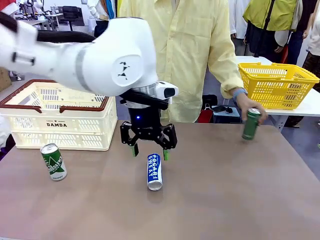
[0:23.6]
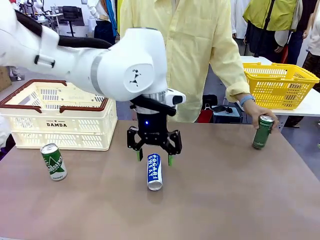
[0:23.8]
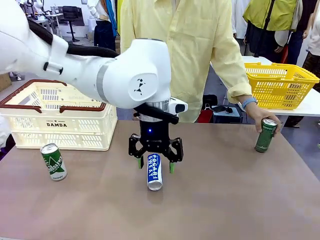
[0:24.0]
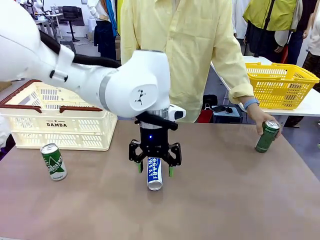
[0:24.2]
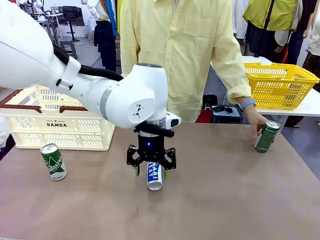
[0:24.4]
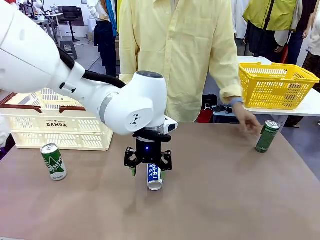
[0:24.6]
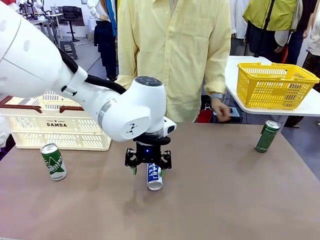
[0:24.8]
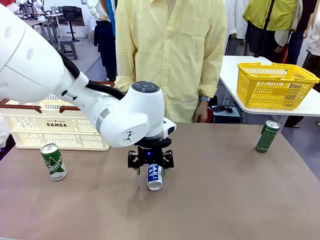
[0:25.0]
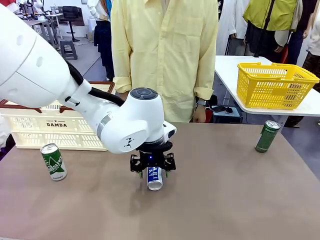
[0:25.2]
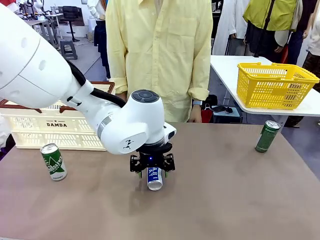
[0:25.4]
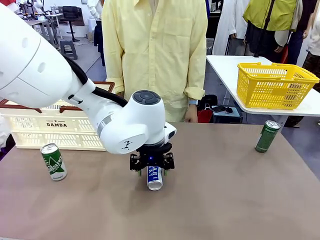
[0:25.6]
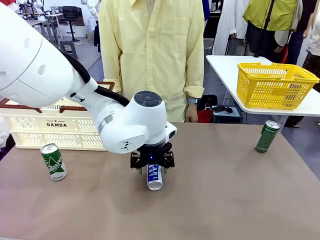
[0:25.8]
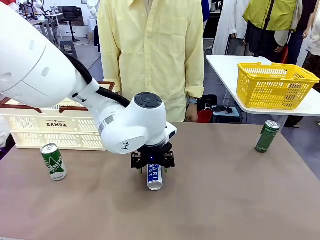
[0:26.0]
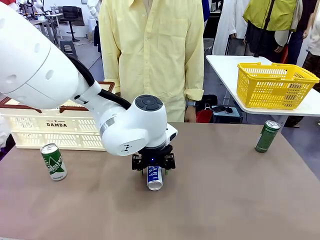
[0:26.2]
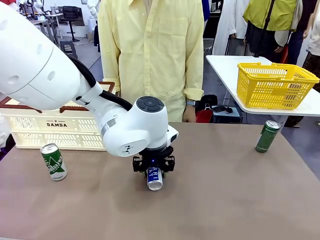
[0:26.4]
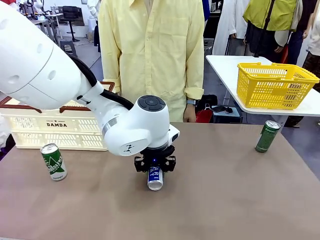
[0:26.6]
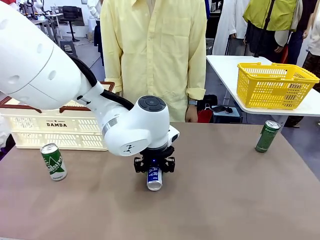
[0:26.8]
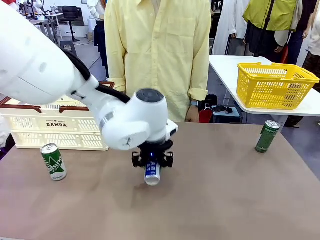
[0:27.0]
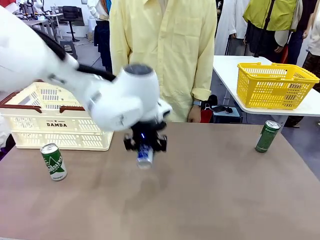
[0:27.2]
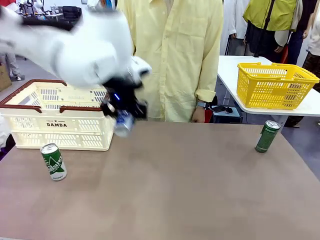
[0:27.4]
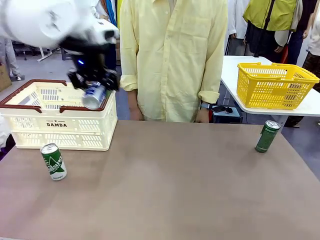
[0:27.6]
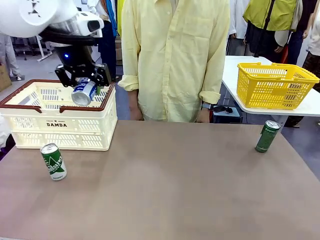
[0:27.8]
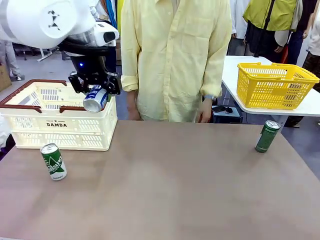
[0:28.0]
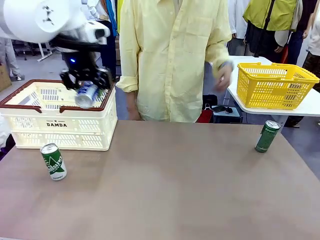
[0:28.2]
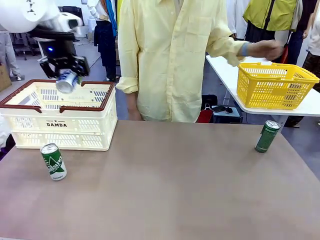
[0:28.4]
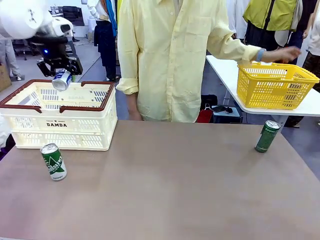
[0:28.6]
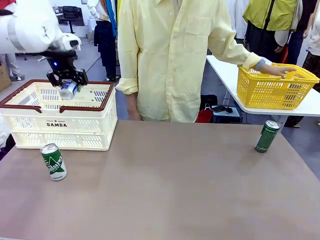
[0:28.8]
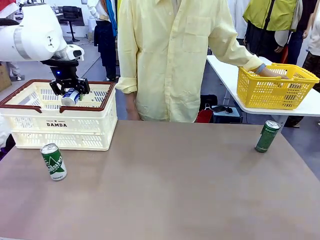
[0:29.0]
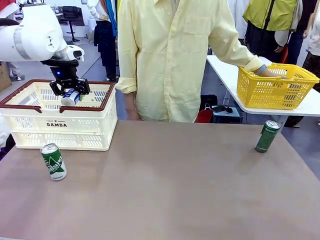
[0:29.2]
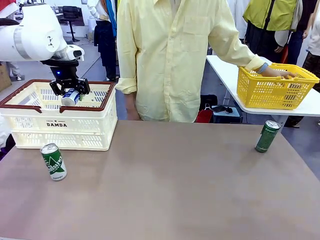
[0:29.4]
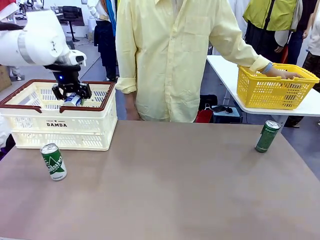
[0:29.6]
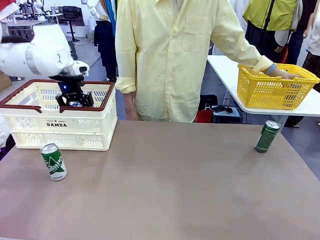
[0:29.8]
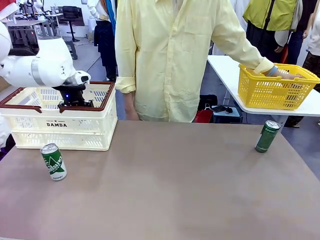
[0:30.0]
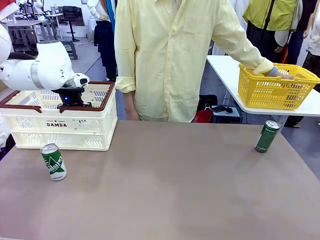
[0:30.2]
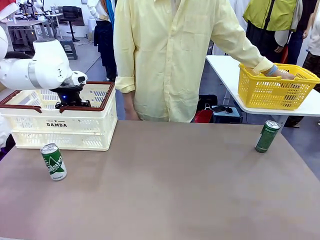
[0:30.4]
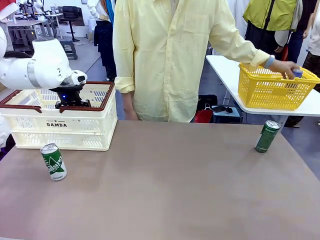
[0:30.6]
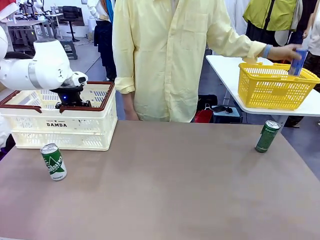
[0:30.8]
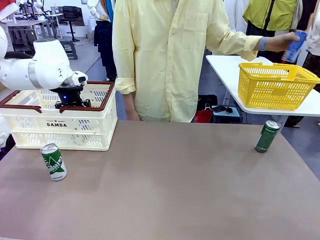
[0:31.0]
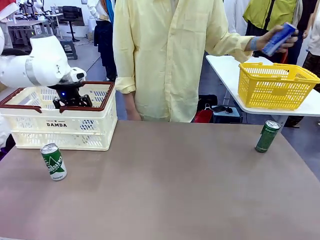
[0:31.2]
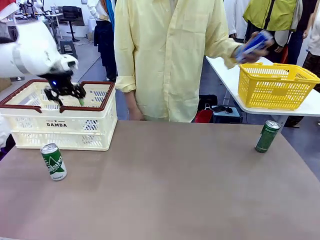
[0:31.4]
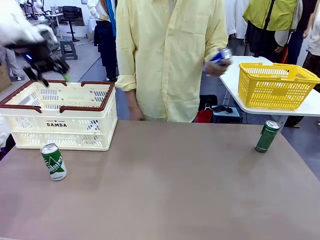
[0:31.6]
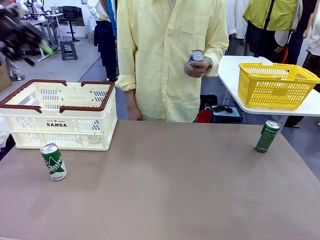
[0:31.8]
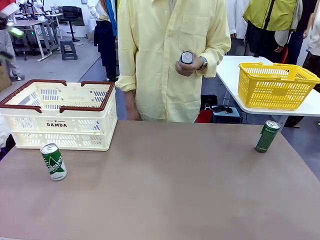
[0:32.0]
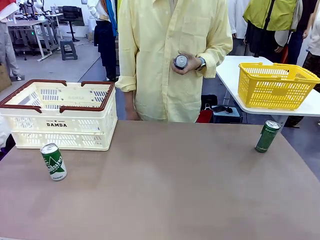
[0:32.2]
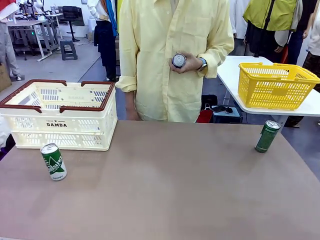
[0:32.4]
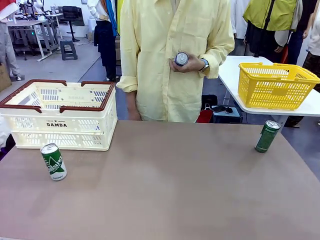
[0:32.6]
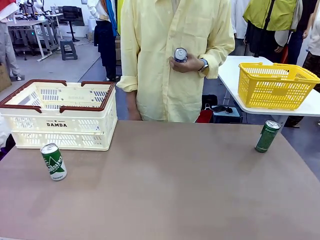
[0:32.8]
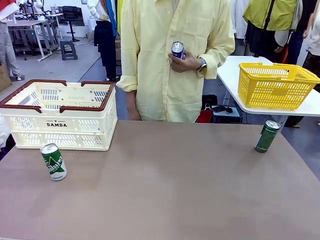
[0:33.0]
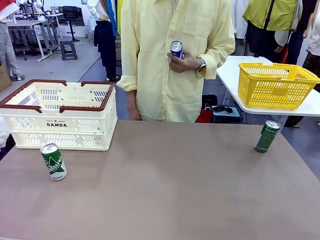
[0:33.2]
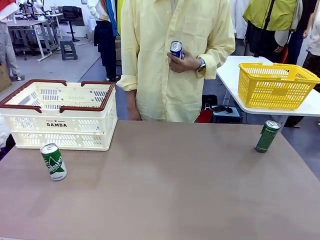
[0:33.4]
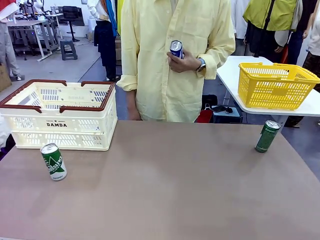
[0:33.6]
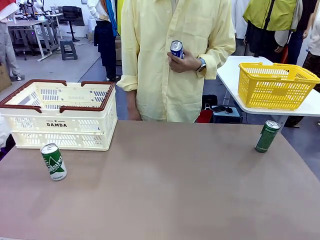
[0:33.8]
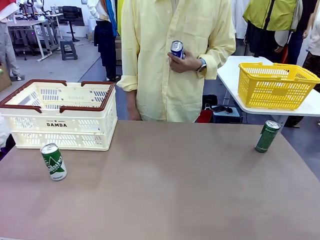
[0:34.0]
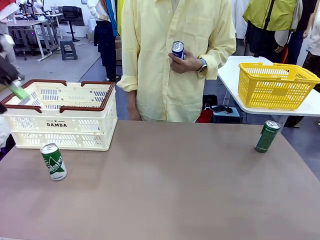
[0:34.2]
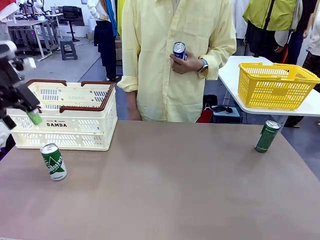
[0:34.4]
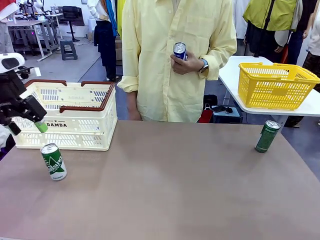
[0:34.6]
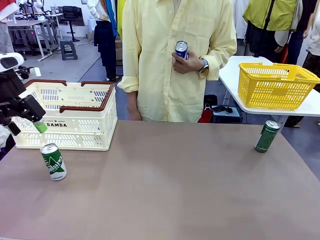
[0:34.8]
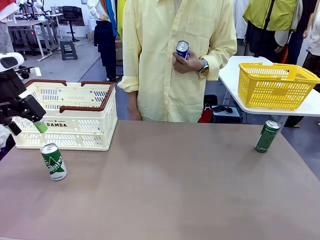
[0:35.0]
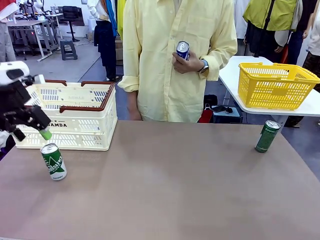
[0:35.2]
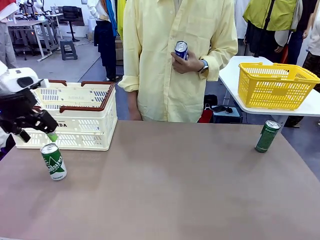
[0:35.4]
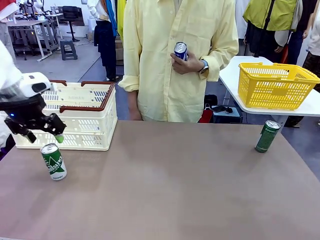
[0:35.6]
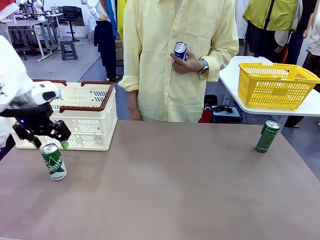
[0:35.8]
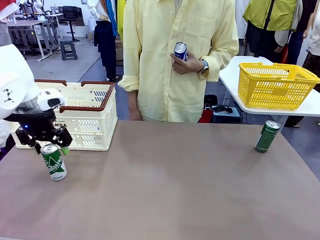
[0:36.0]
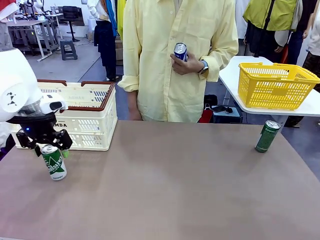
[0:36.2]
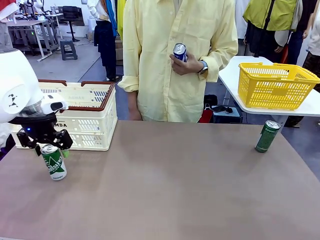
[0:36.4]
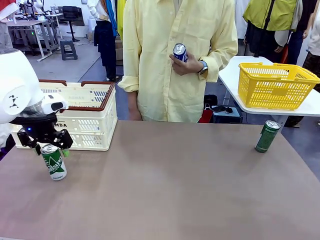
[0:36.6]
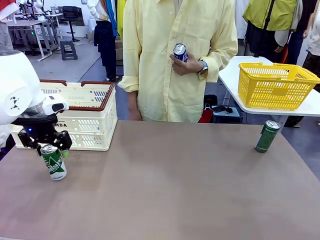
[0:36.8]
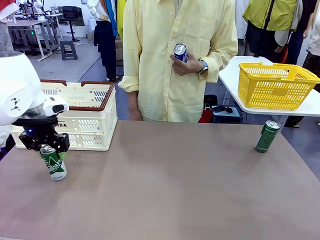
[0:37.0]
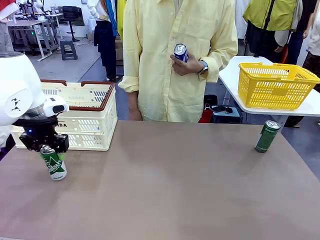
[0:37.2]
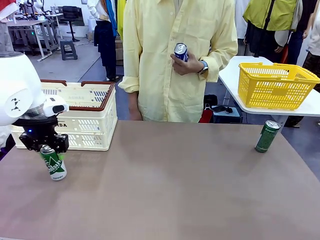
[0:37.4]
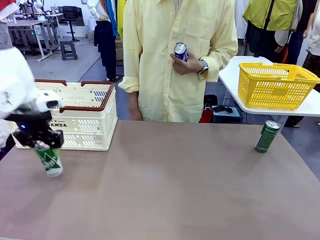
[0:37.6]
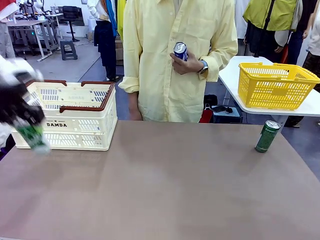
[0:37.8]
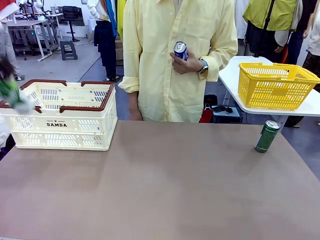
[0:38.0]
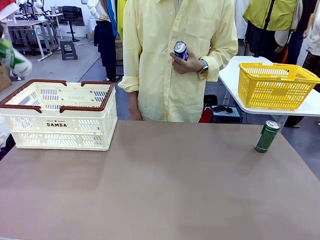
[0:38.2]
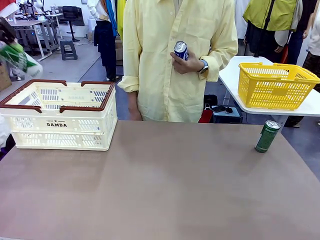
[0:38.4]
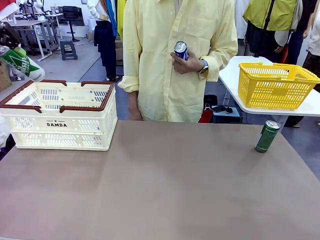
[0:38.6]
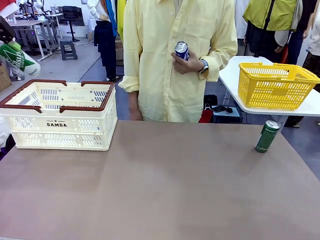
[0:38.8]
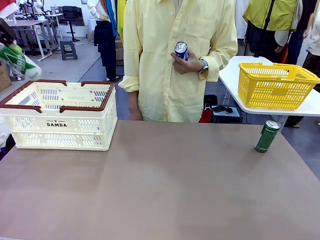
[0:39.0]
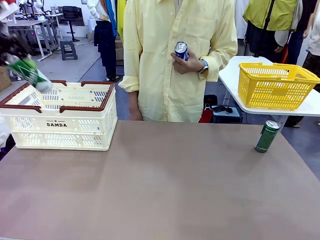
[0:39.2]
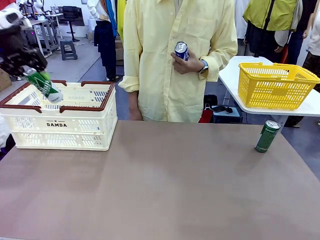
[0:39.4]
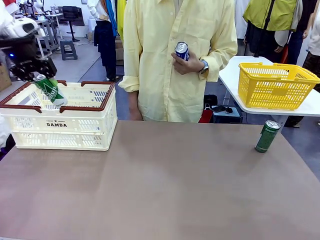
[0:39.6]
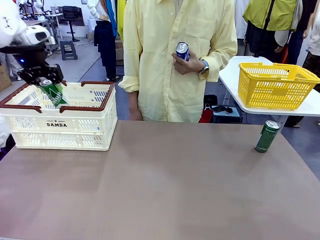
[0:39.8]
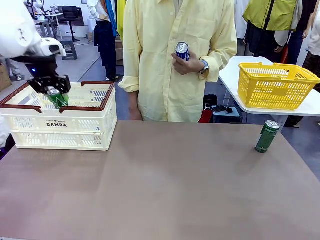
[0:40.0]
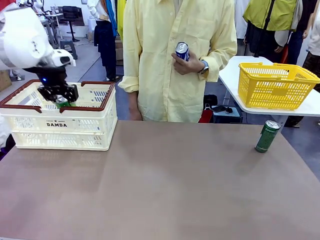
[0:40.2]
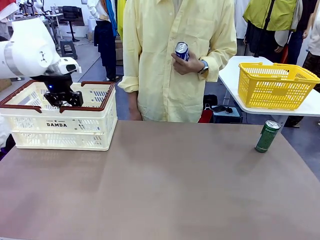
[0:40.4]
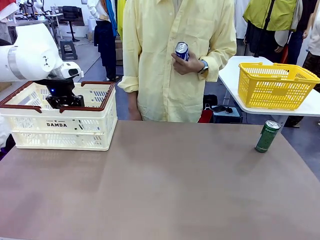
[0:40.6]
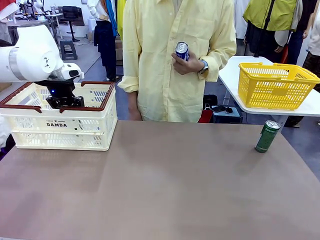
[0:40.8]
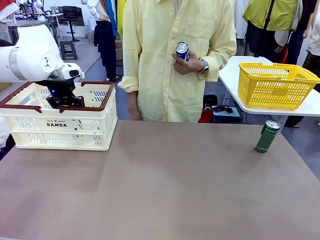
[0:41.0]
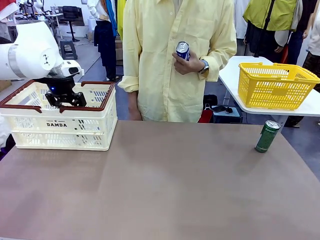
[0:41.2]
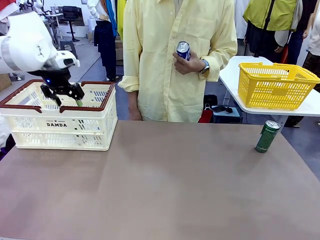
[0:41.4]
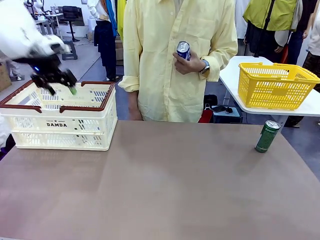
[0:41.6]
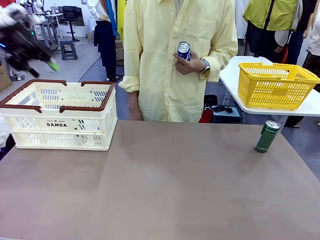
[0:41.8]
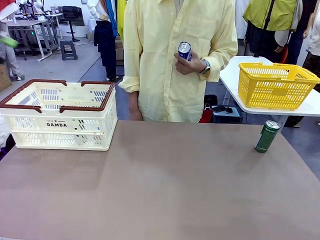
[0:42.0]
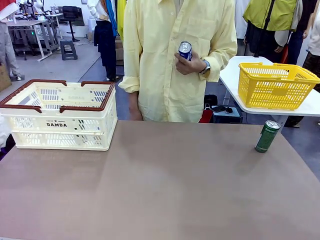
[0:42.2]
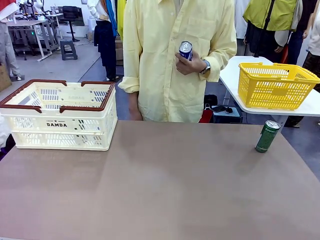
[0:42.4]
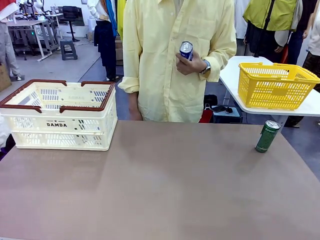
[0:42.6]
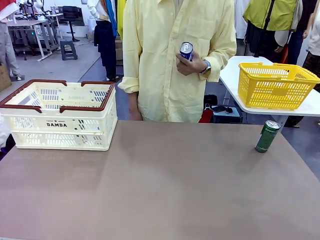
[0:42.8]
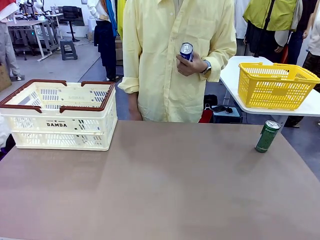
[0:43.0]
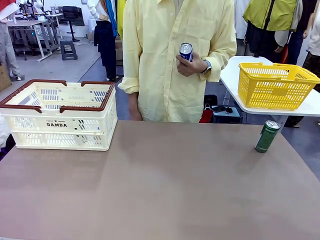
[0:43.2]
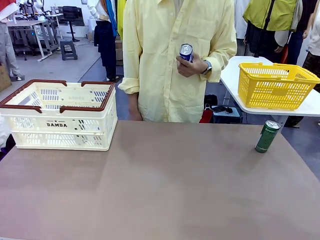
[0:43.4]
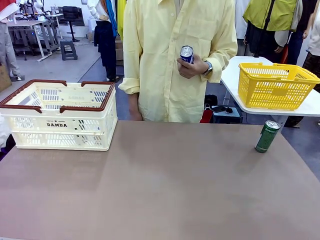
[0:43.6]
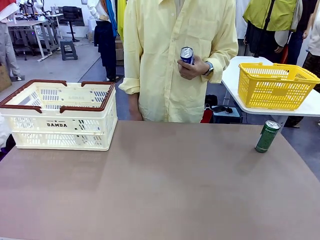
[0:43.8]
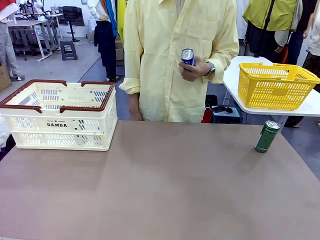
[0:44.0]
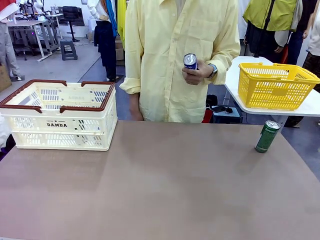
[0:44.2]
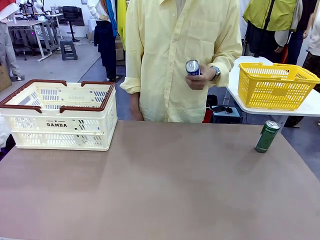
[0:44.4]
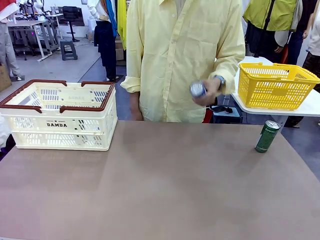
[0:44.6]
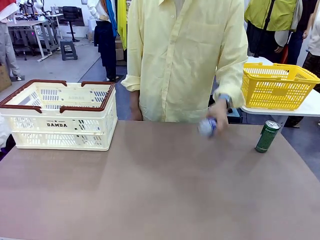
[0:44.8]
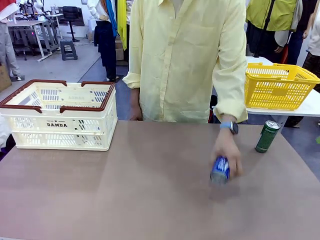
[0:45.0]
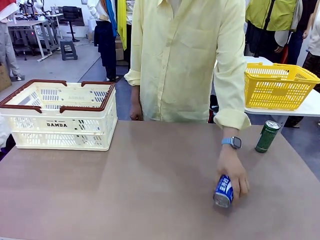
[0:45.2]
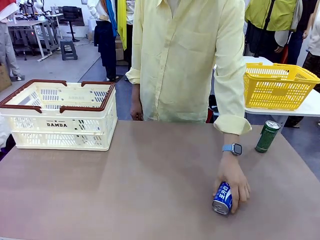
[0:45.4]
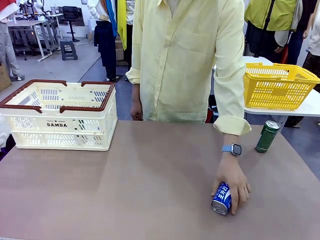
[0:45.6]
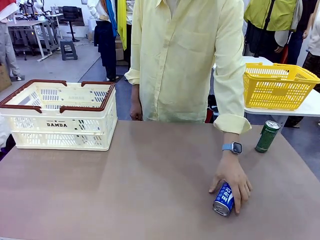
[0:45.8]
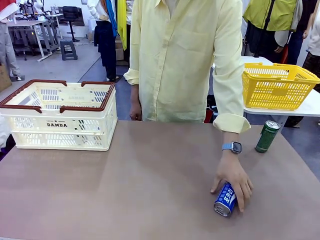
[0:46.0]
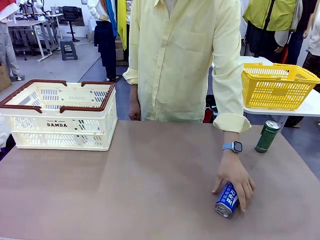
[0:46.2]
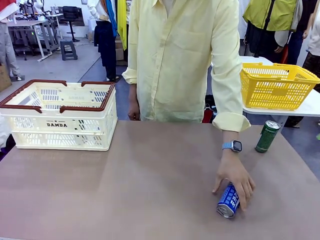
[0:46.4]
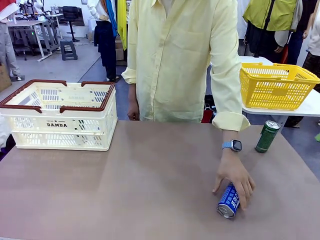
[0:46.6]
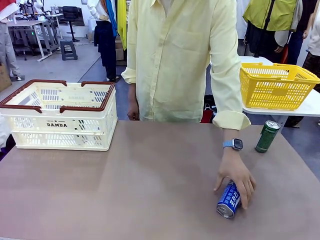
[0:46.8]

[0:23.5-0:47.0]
Task: Place the drinks into the Shopping basket.
Robot: Pick up one drink and place it into the Shopping basket.
